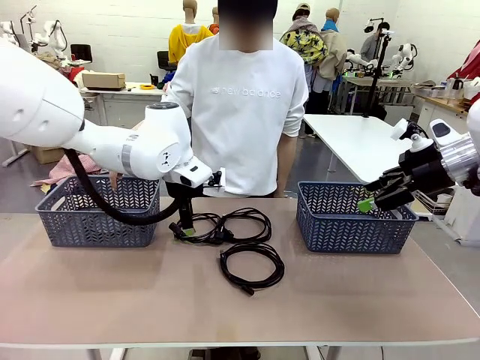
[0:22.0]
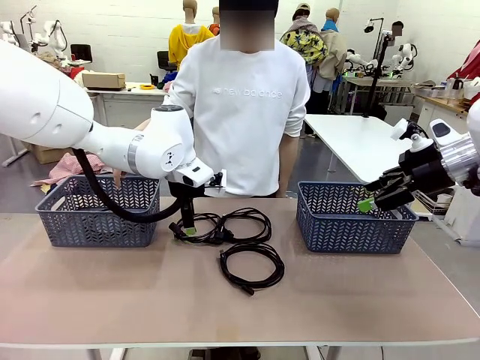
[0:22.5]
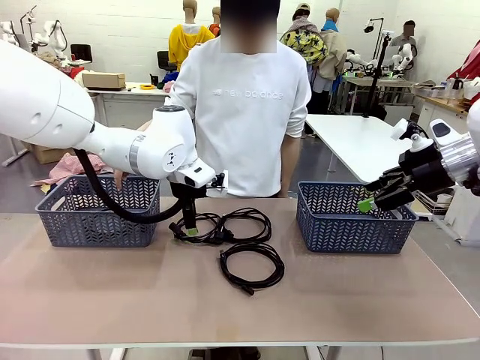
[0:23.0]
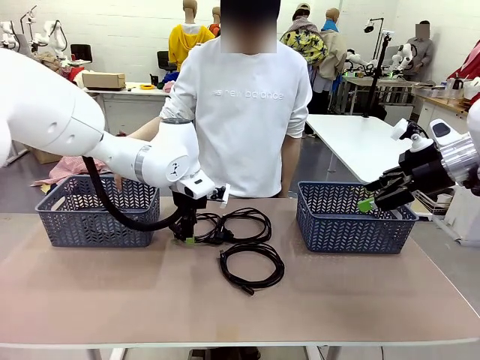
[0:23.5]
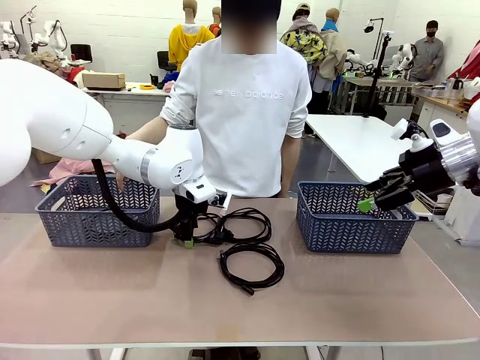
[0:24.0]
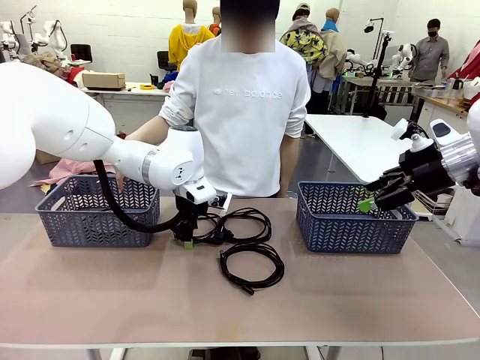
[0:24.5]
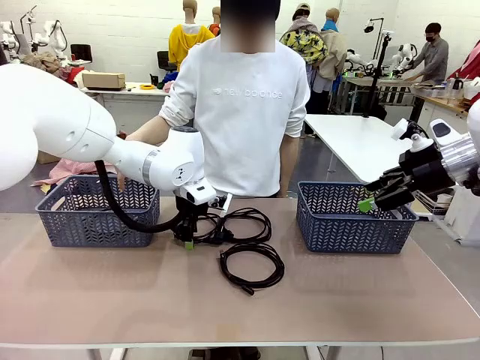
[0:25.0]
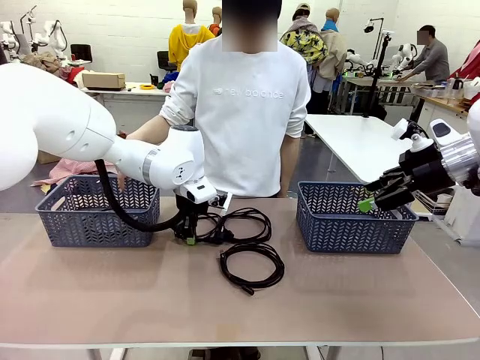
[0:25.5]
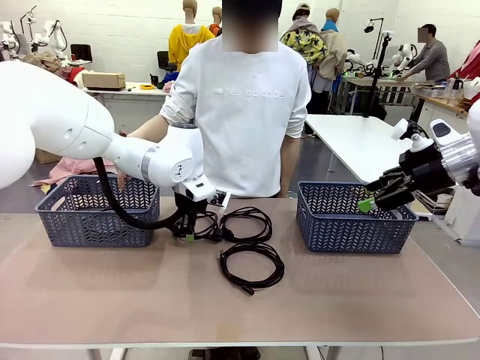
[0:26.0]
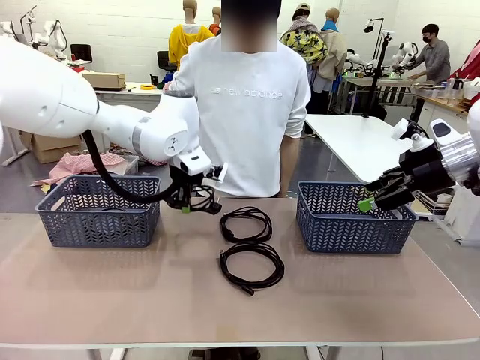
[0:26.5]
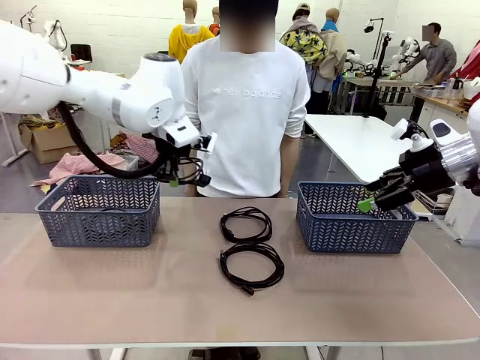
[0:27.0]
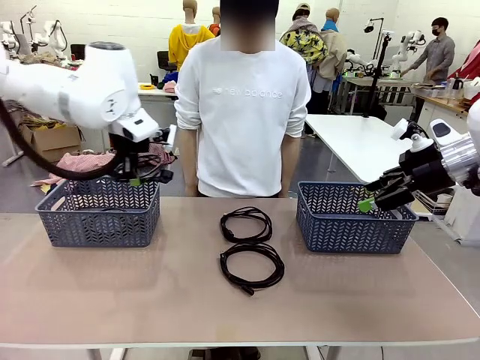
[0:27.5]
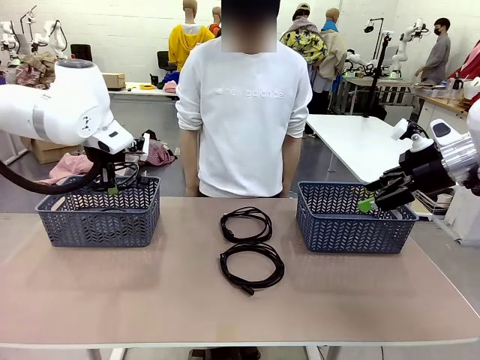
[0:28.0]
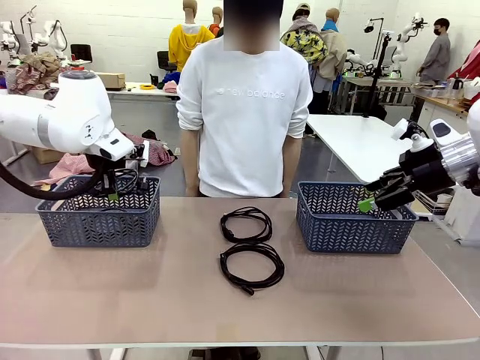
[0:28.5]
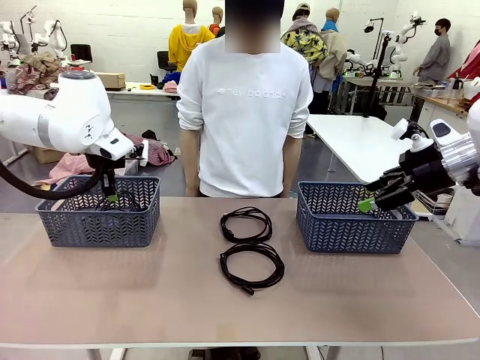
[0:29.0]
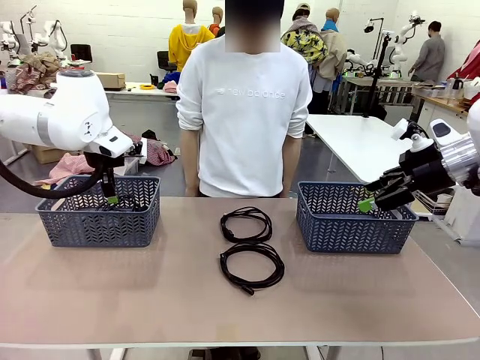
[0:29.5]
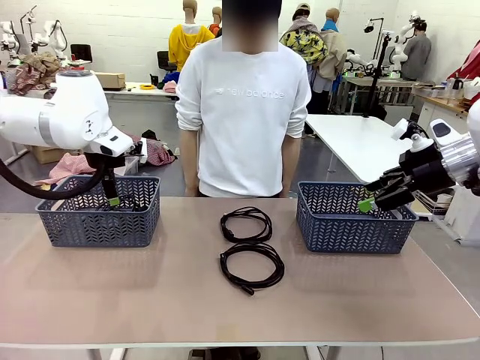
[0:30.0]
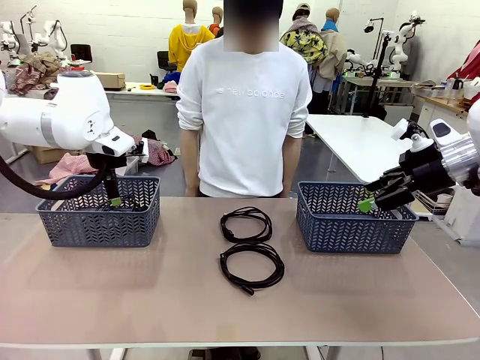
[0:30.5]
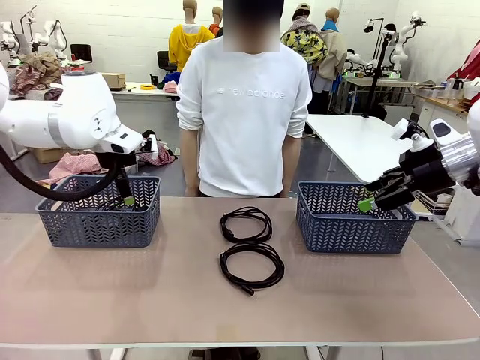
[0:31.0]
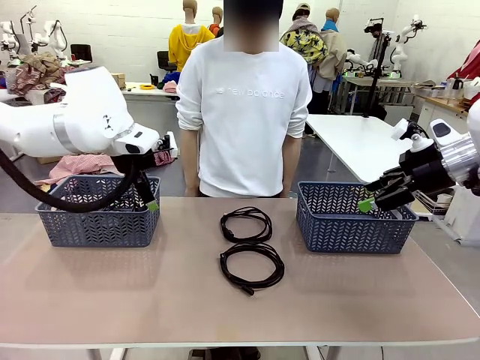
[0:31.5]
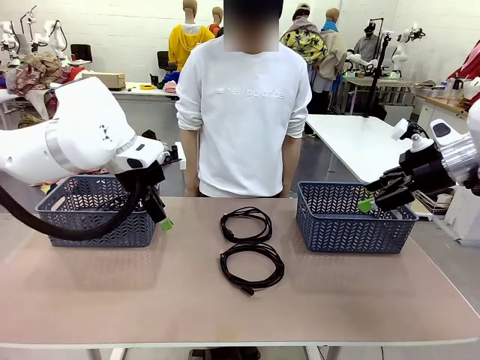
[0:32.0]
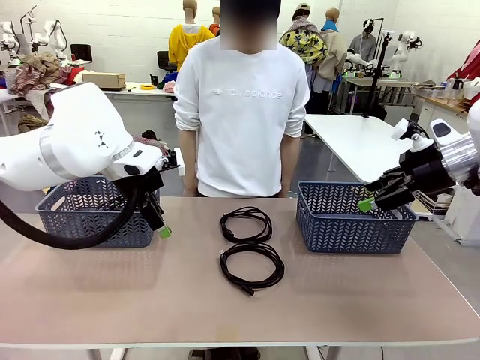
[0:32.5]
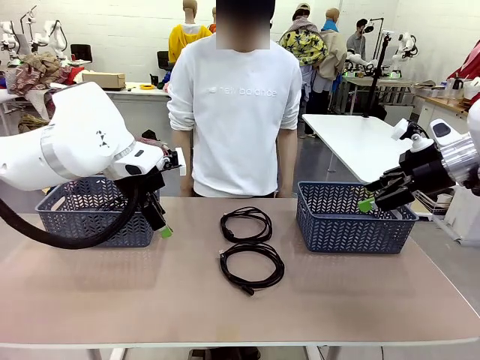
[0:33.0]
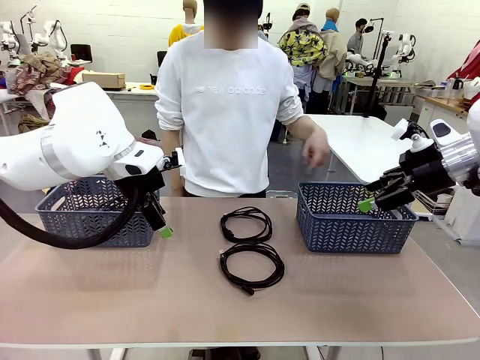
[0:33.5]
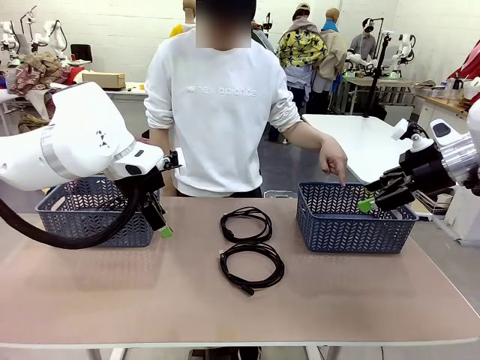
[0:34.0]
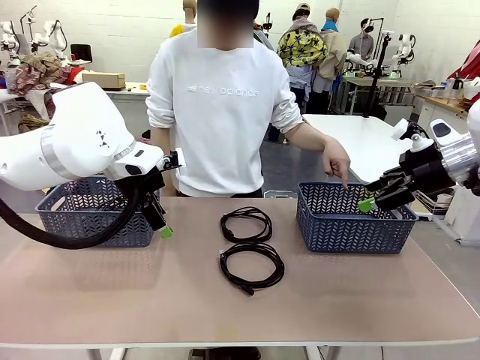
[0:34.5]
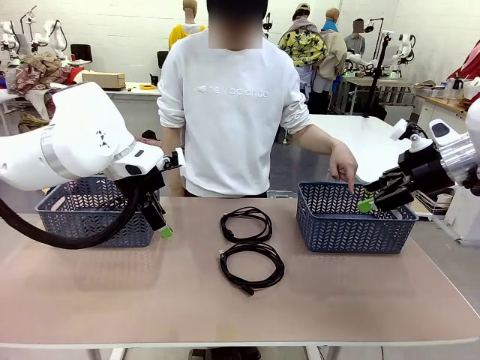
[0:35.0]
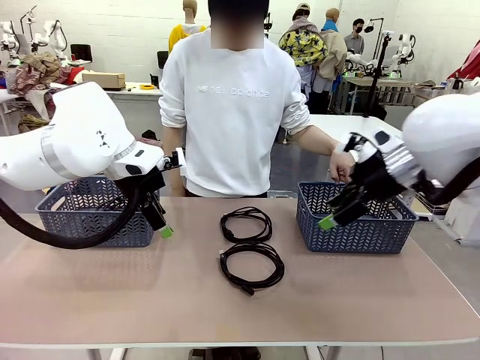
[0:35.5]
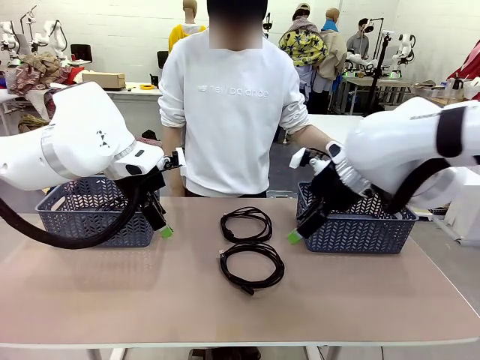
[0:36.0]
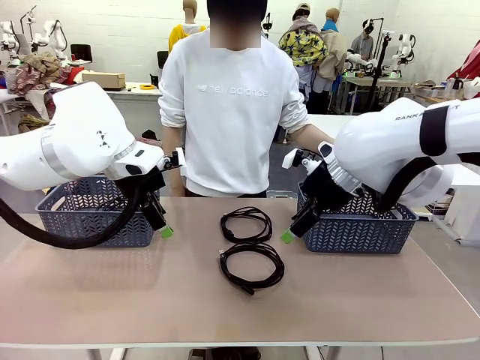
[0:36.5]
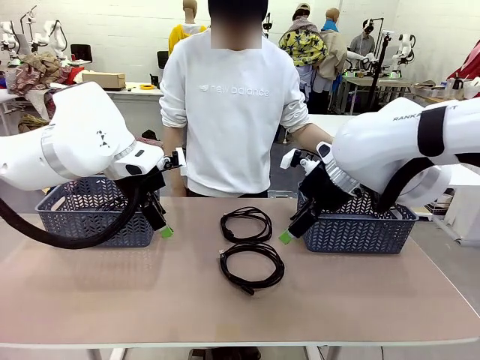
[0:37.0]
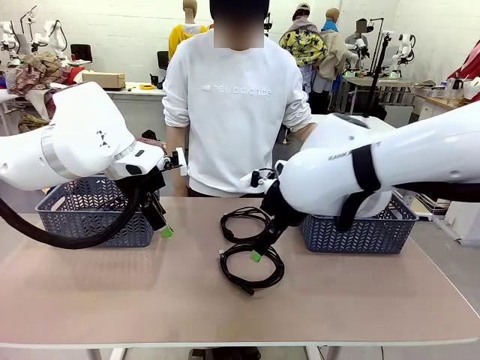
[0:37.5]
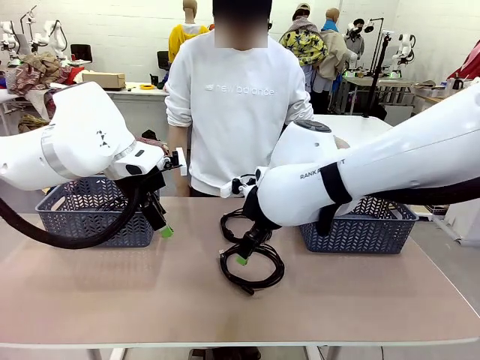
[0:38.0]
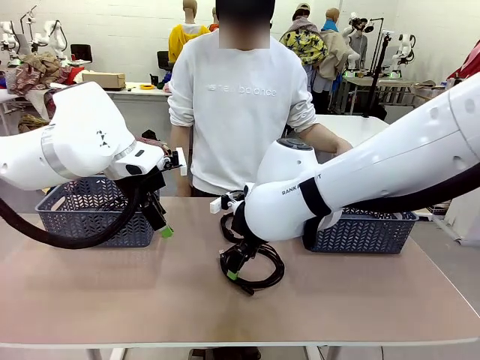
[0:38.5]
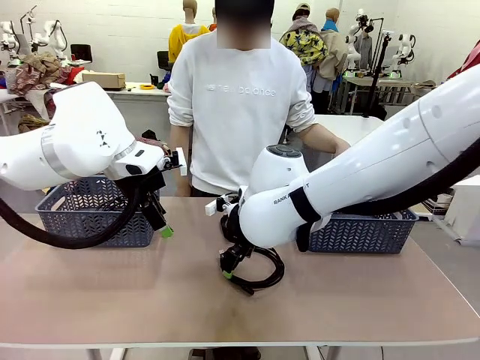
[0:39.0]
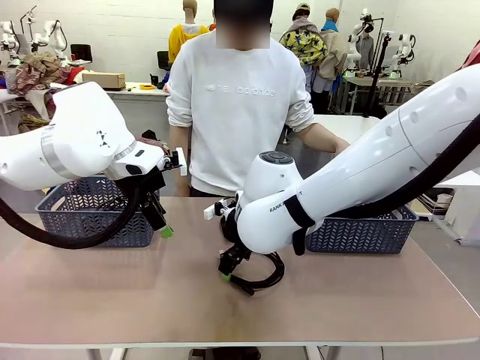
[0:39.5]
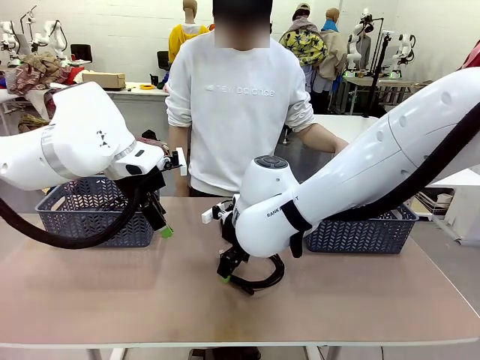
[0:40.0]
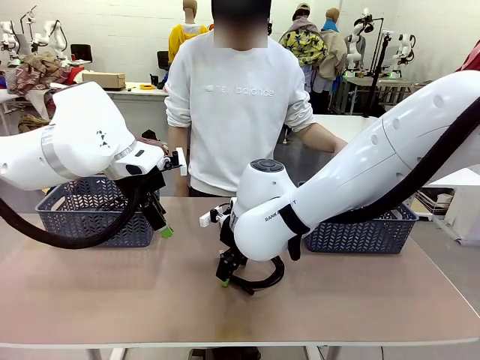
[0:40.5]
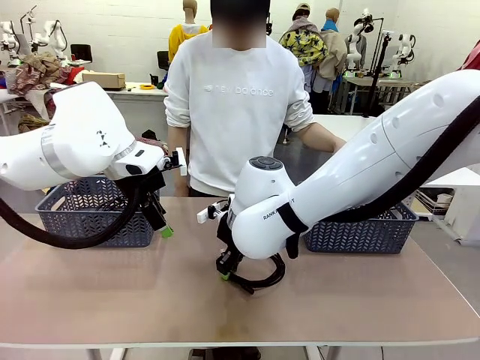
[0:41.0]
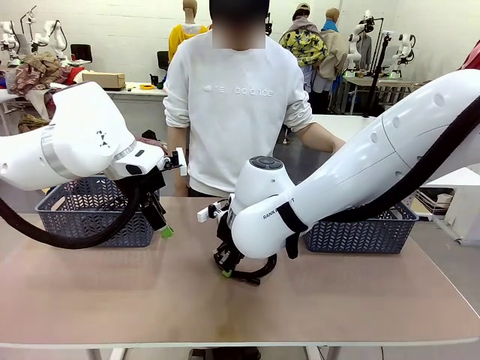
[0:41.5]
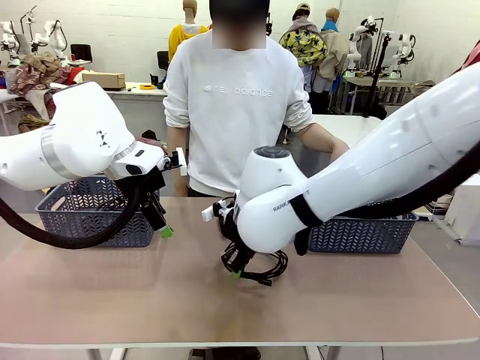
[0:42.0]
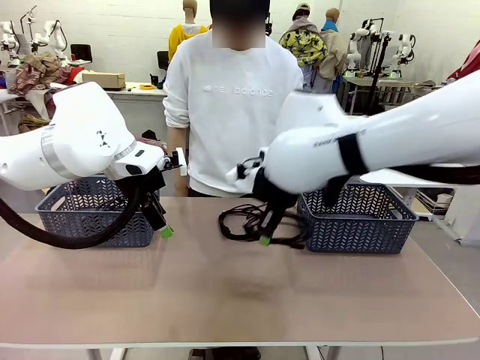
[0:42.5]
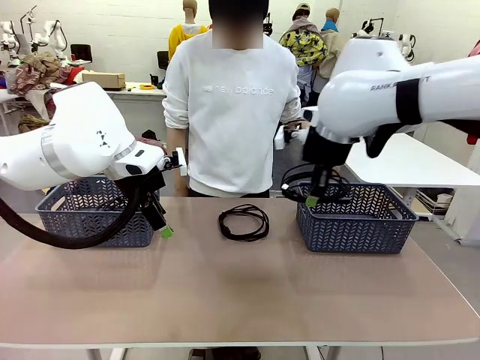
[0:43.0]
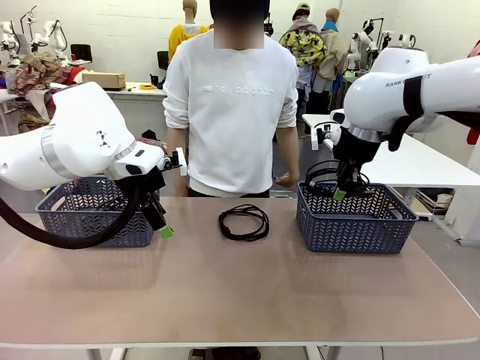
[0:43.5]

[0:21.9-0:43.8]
Task: Organize the cables according to human instructions.
Robot: Pick up a bundle of cables and place it in the basket indicated by the human.
